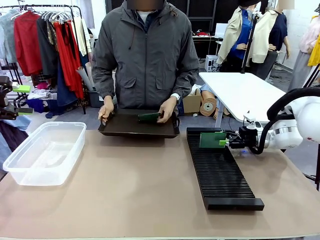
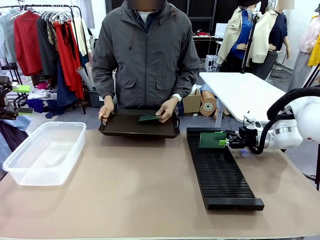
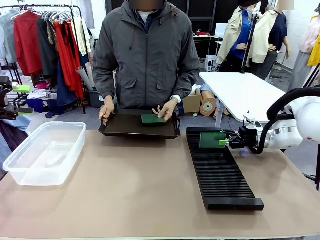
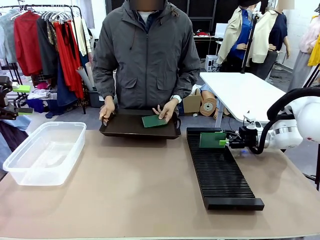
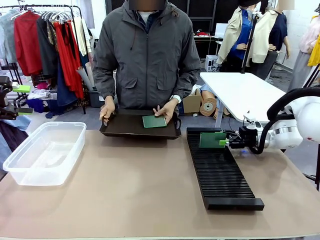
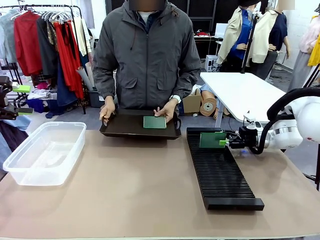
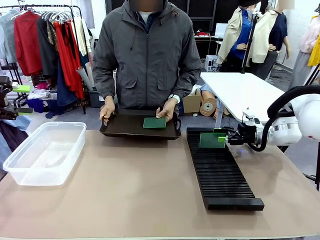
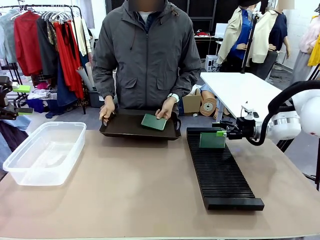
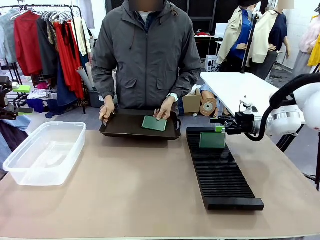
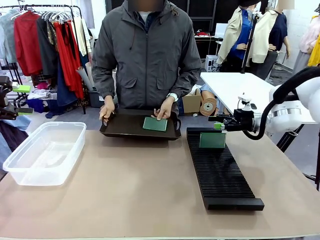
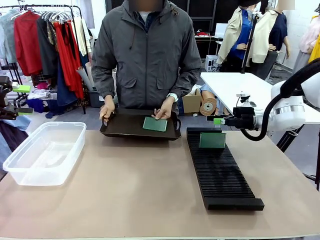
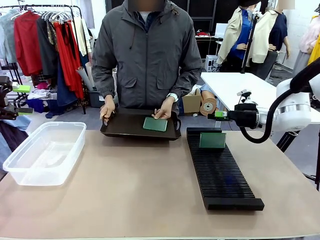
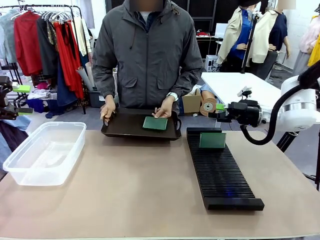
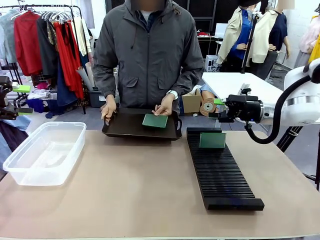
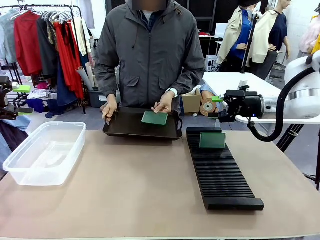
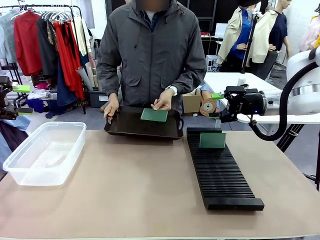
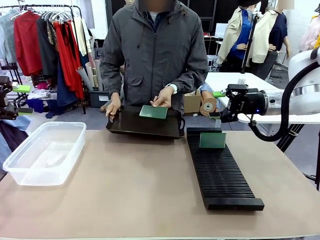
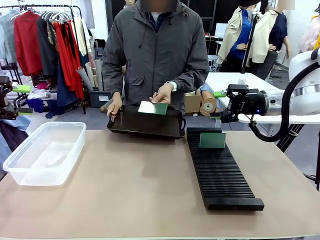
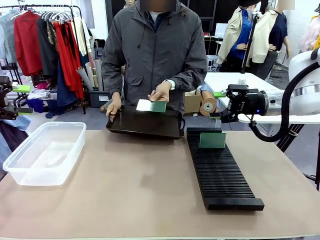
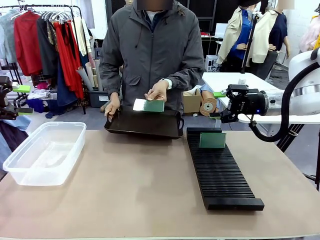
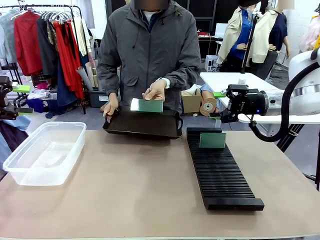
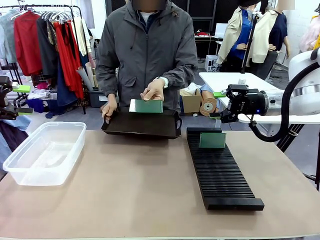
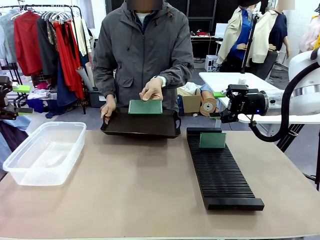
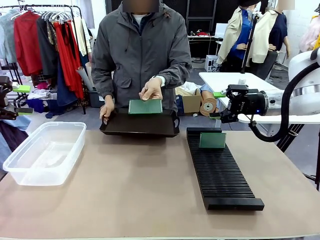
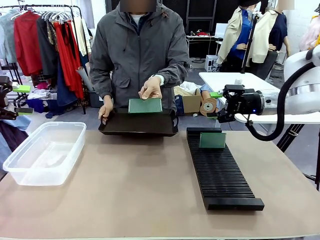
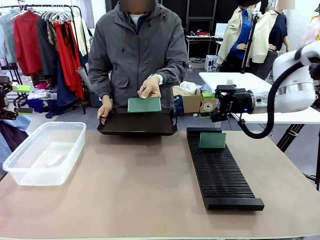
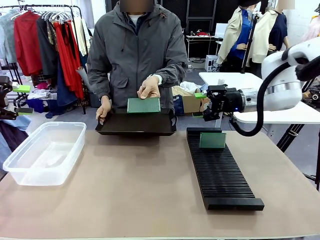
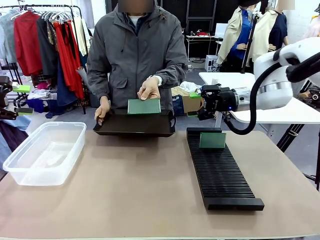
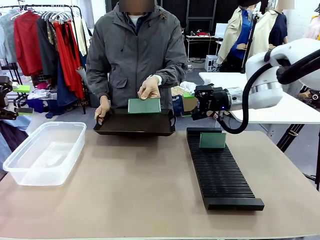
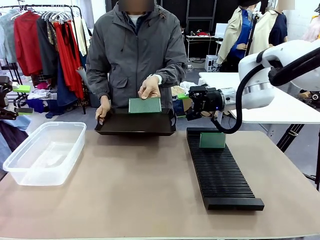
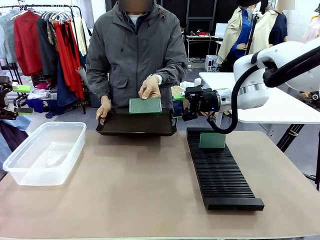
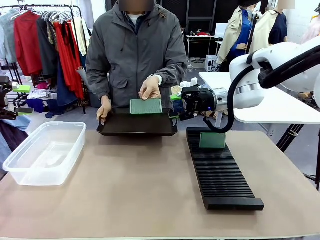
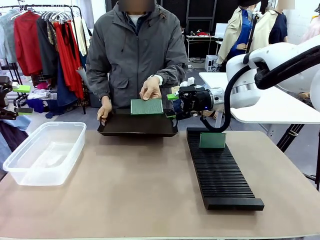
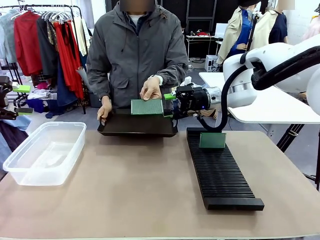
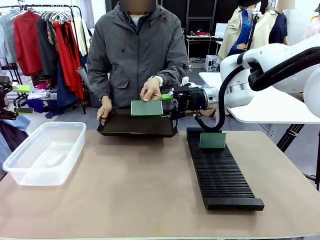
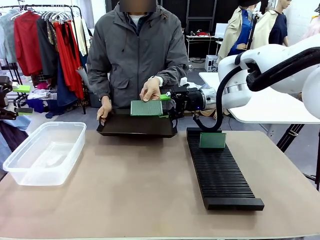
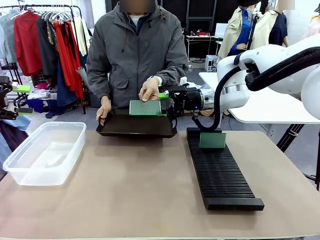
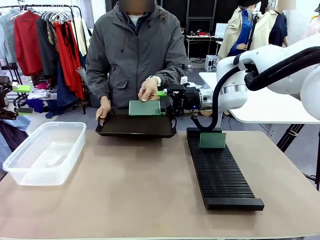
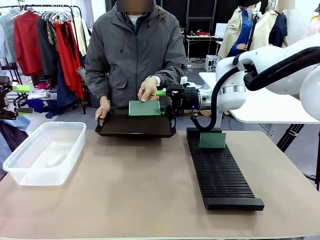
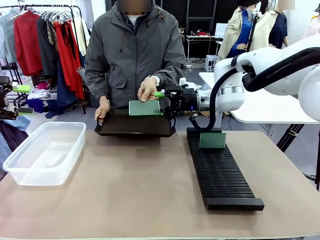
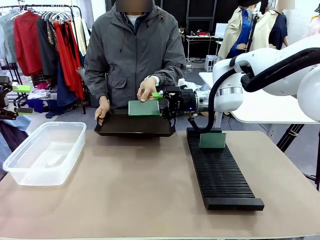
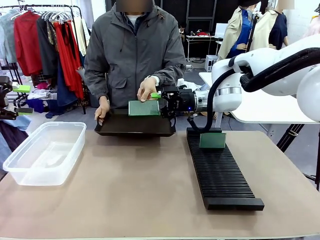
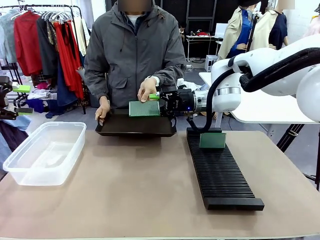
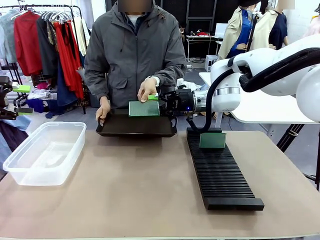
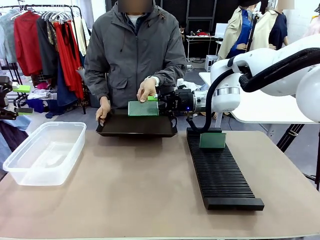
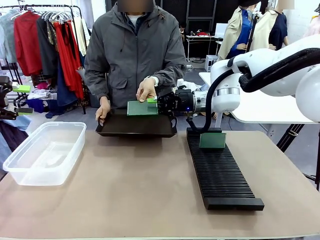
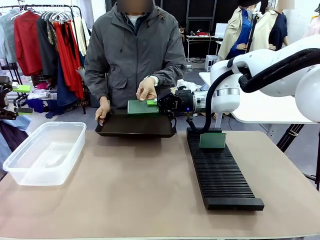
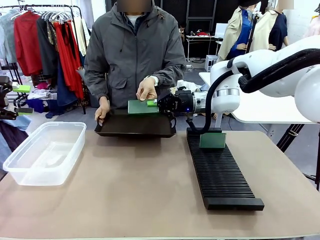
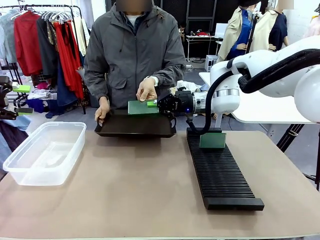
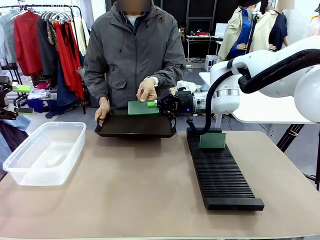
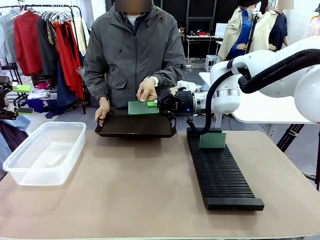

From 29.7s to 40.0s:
Task: Sort PCBs into racks and boxes based on the side picked up.
Robot: Pick up the Blank PCB handed by the Human.

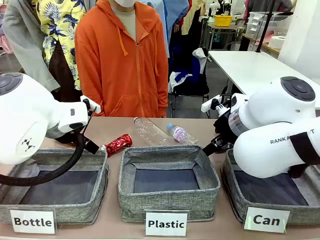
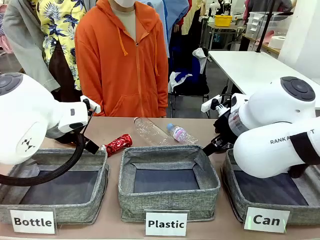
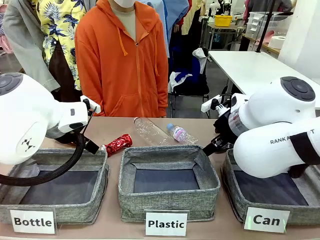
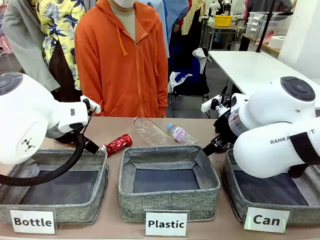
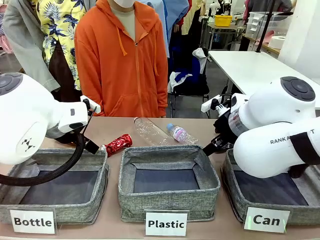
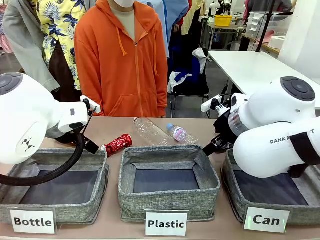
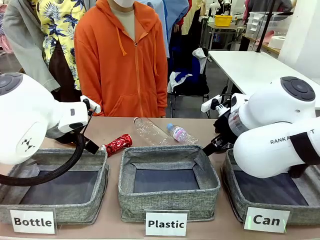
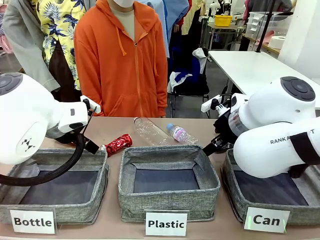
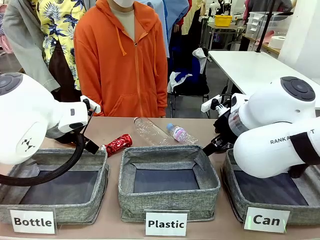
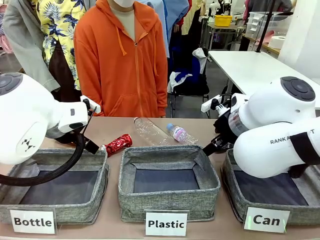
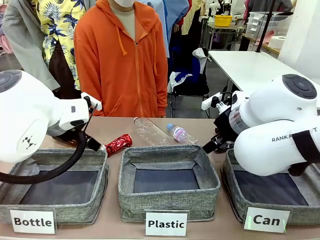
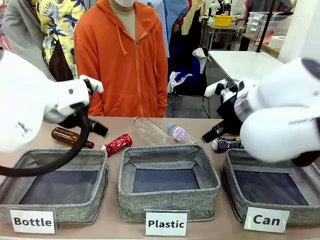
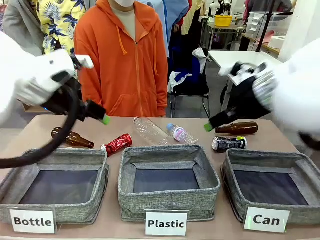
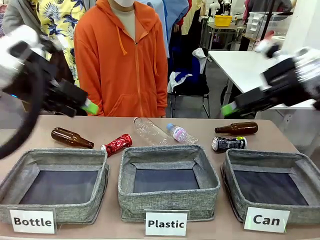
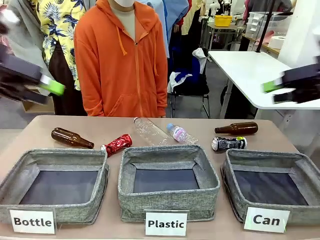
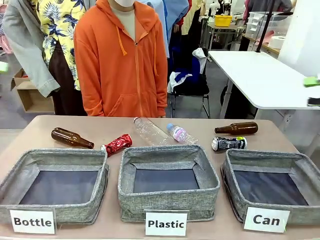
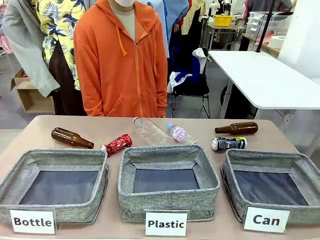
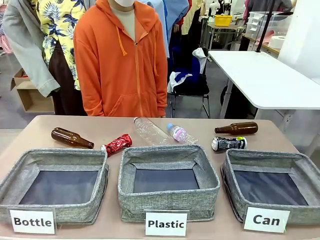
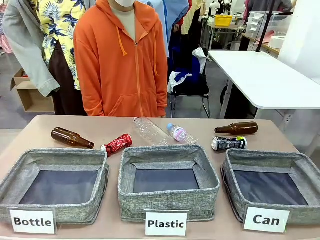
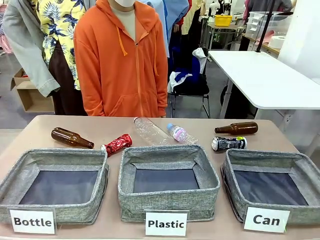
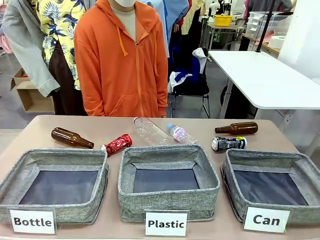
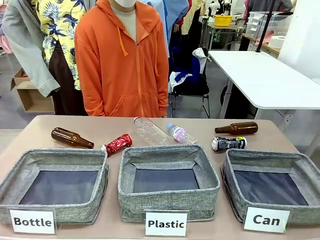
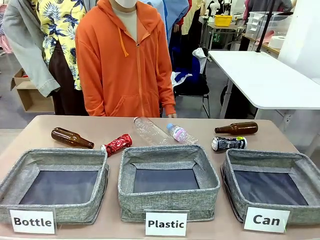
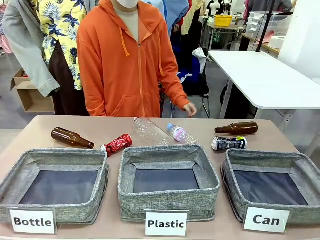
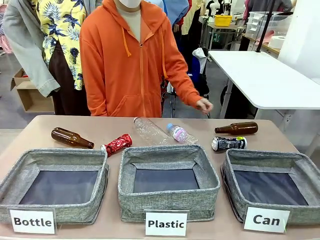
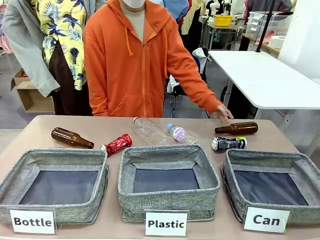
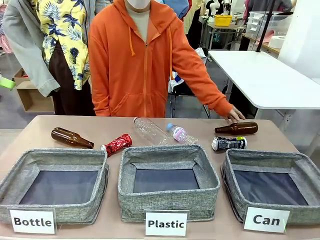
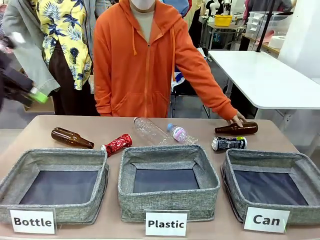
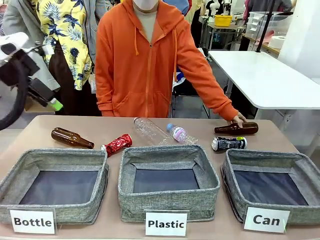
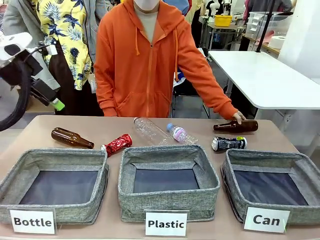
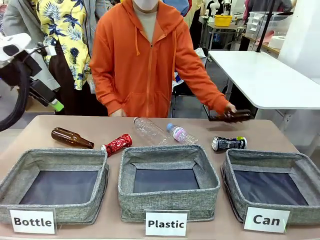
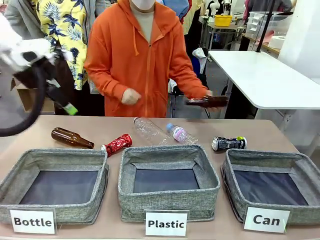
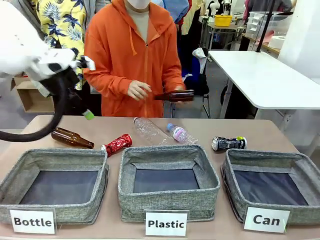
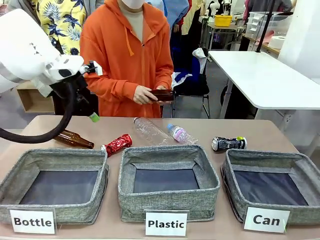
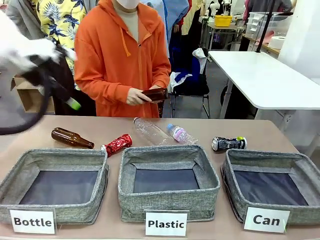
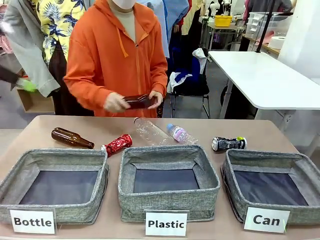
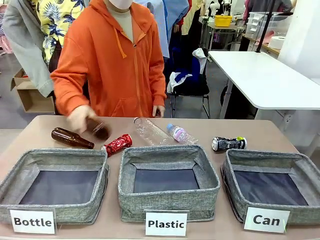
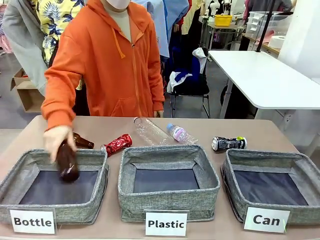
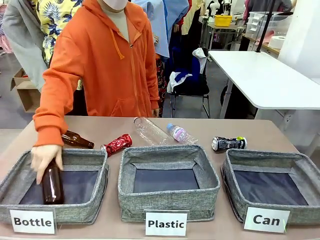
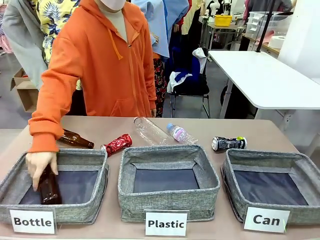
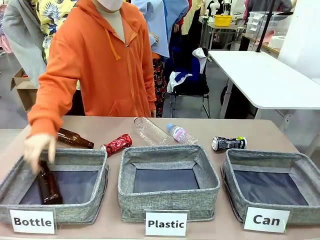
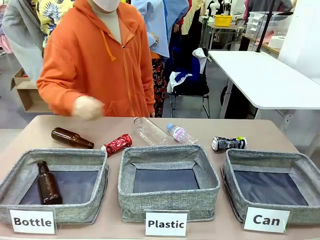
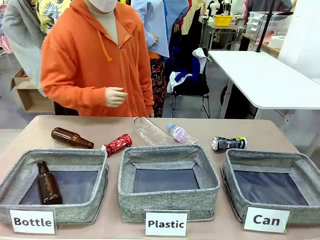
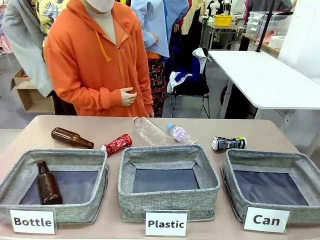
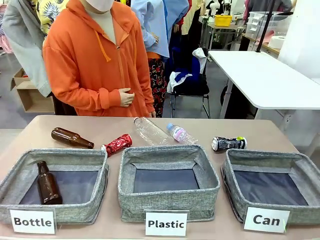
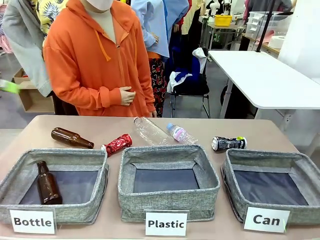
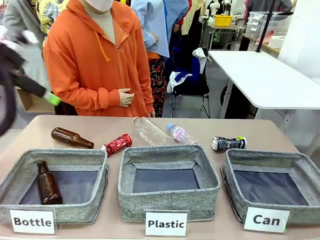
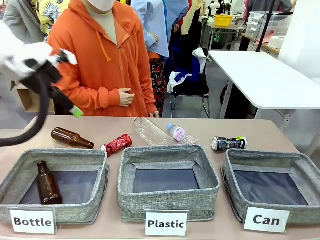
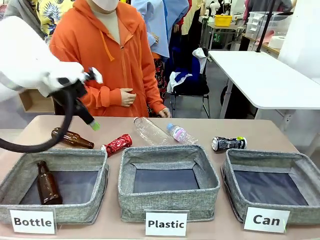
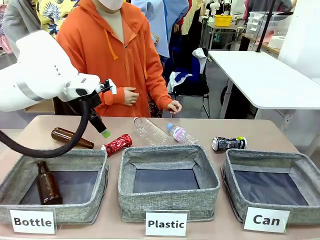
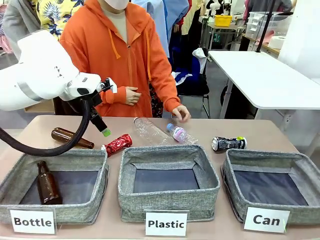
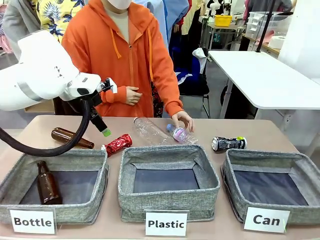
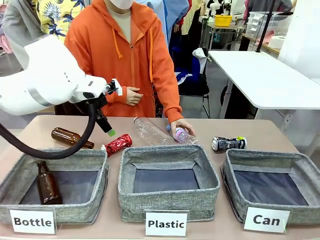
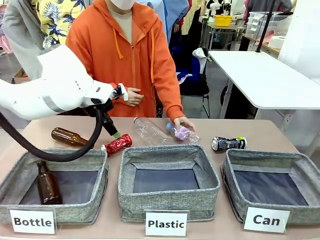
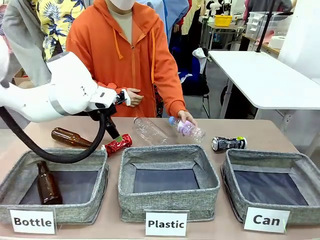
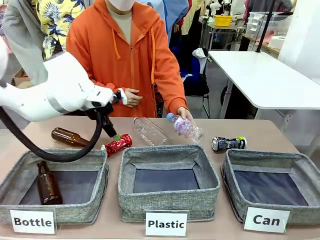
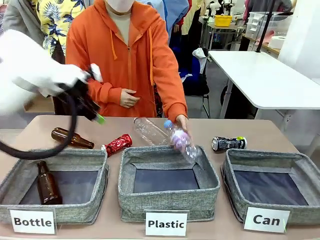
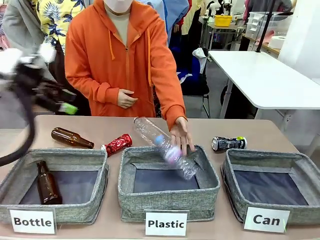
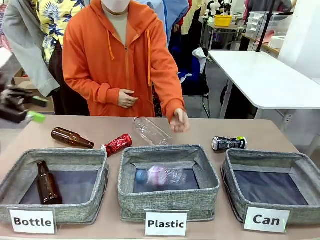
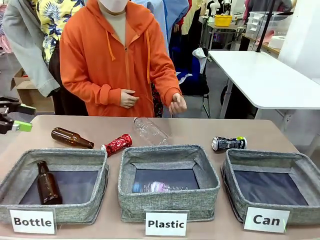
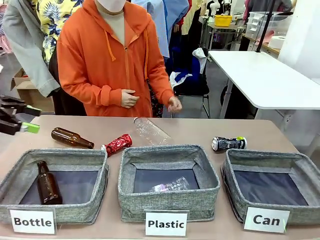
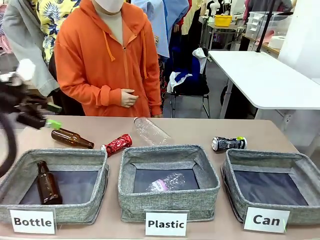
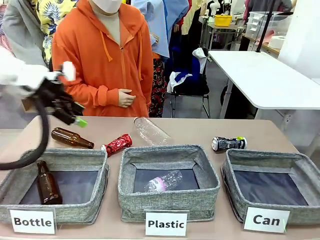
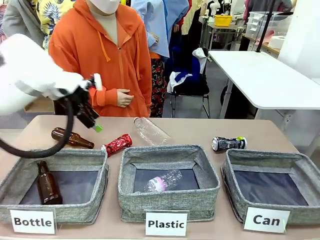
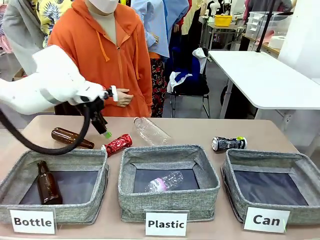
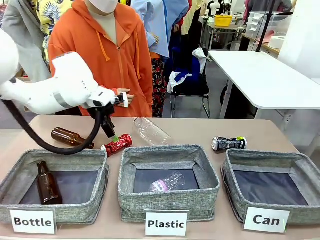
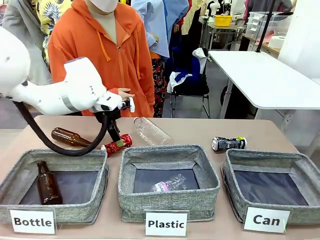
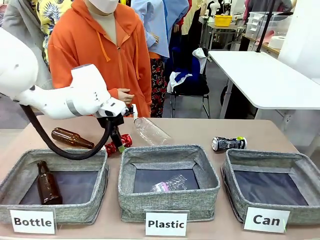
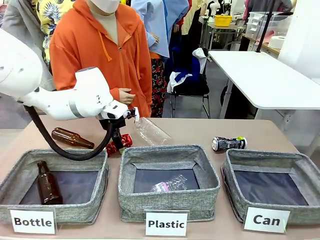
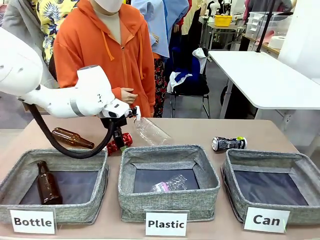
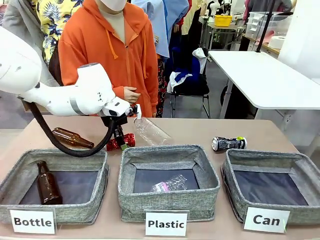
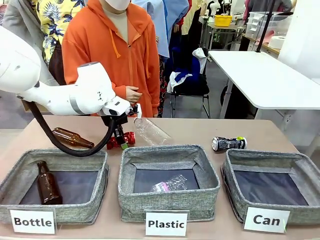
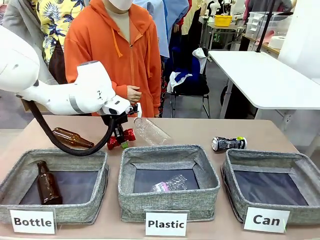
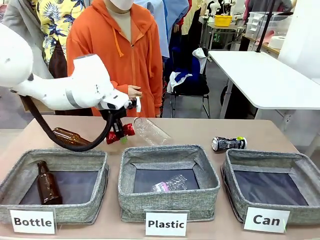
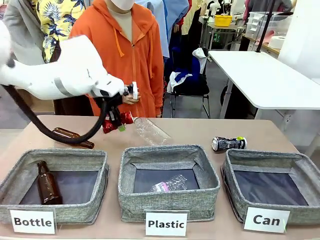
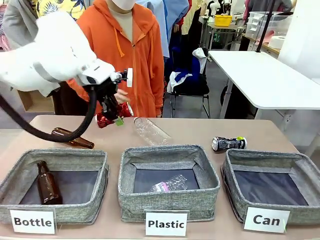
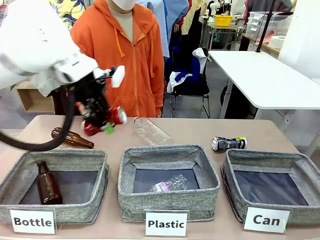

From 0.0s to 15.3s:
Task: Sort the can waste into the basket.
Robot: Pick up the can waste from the table and place it in the right Fabric basket.
